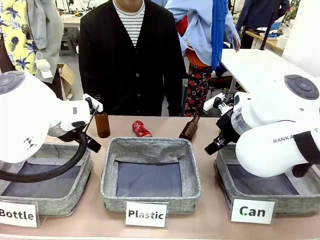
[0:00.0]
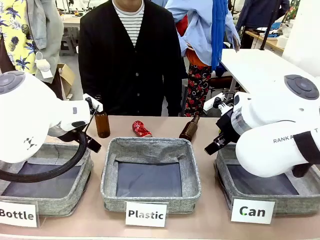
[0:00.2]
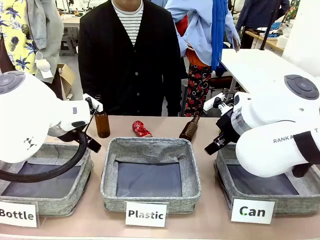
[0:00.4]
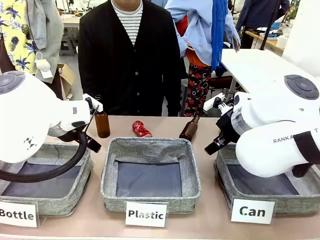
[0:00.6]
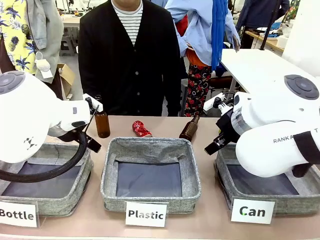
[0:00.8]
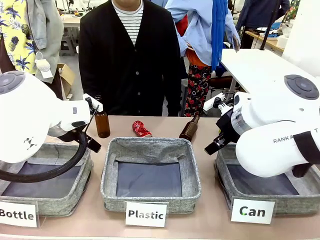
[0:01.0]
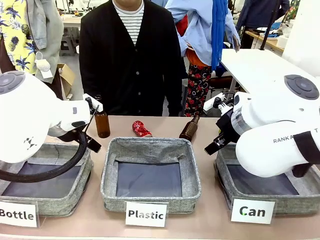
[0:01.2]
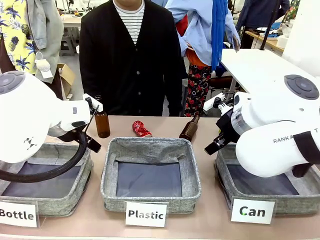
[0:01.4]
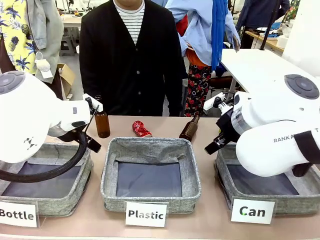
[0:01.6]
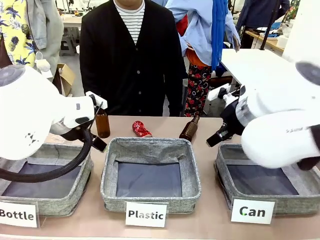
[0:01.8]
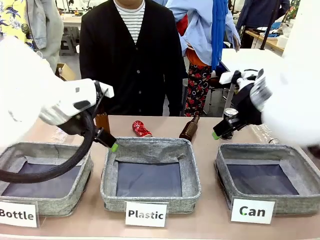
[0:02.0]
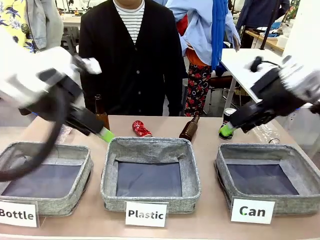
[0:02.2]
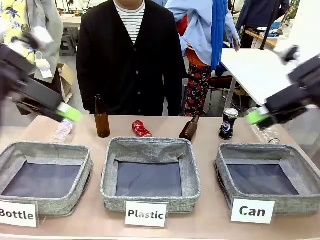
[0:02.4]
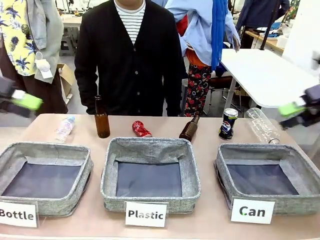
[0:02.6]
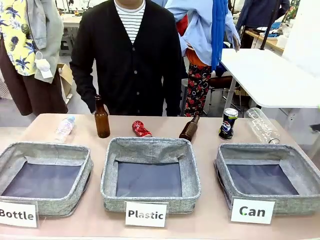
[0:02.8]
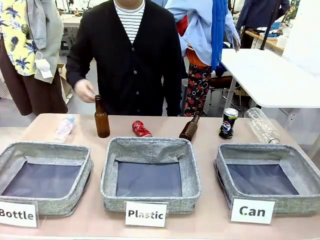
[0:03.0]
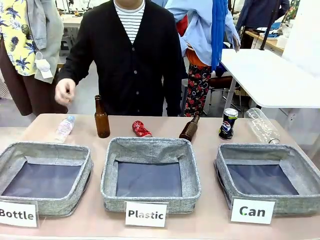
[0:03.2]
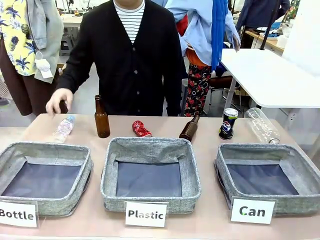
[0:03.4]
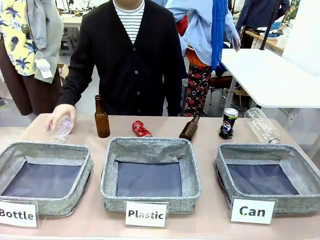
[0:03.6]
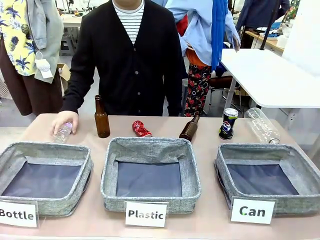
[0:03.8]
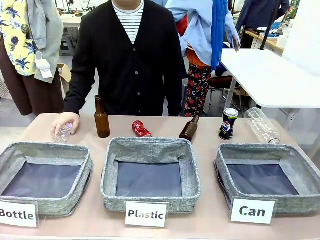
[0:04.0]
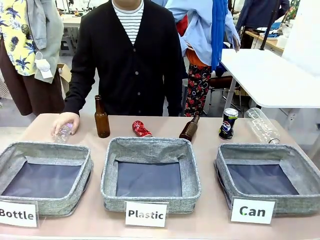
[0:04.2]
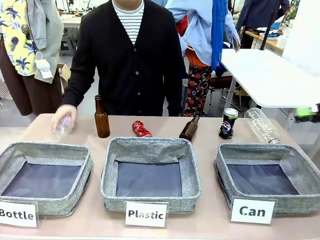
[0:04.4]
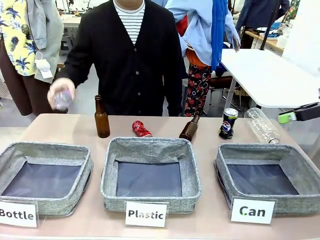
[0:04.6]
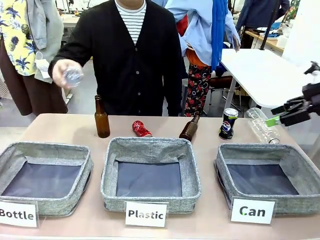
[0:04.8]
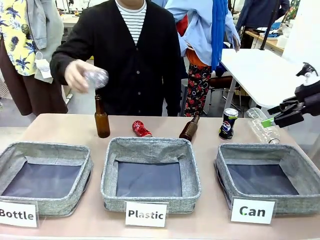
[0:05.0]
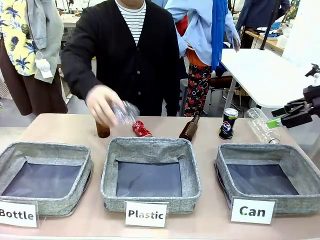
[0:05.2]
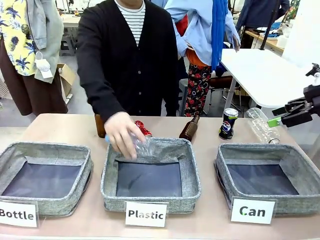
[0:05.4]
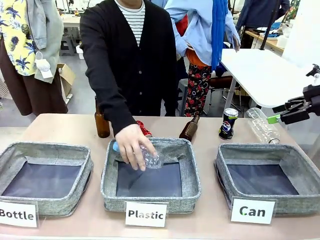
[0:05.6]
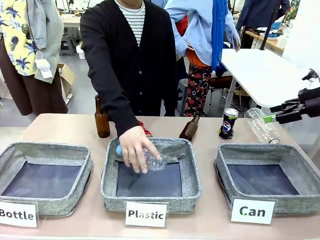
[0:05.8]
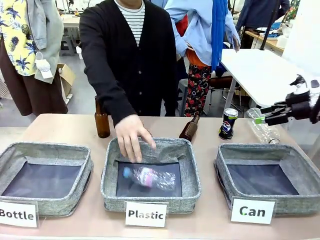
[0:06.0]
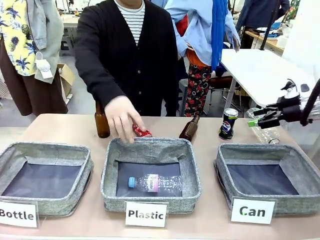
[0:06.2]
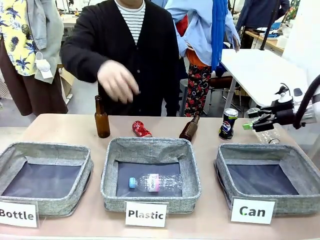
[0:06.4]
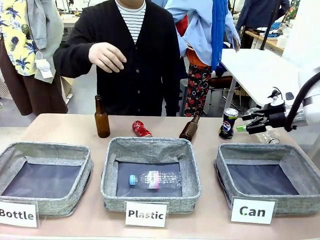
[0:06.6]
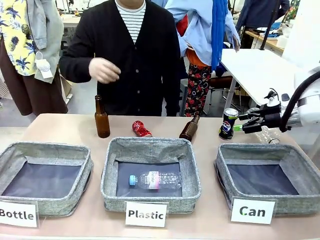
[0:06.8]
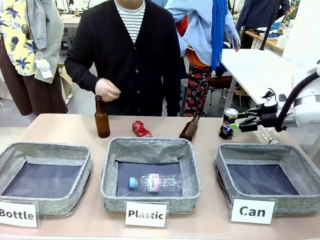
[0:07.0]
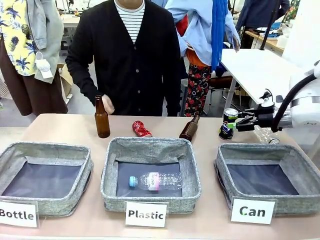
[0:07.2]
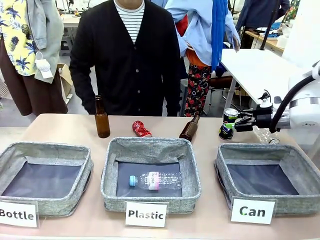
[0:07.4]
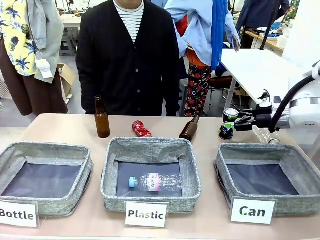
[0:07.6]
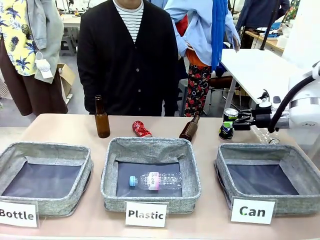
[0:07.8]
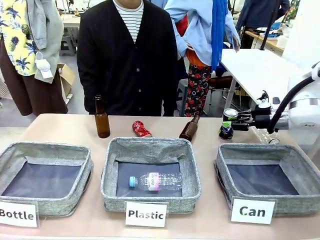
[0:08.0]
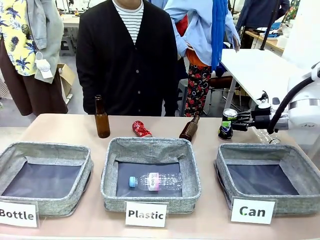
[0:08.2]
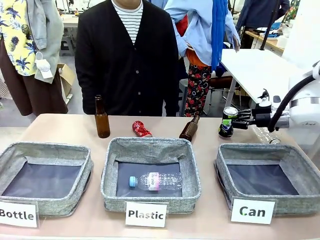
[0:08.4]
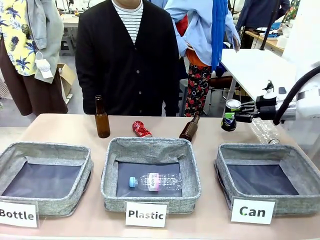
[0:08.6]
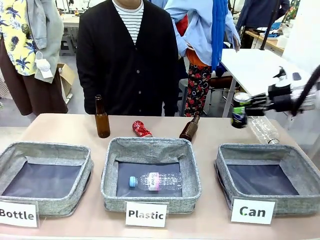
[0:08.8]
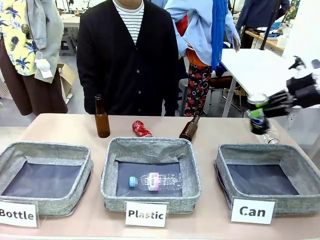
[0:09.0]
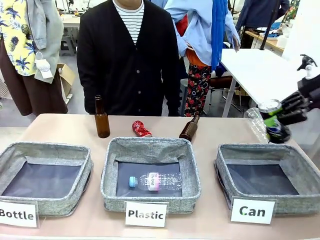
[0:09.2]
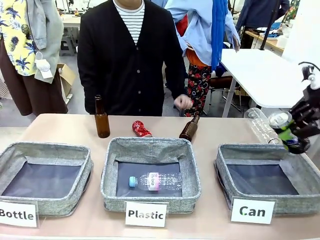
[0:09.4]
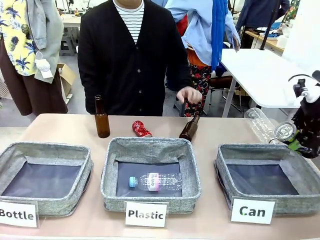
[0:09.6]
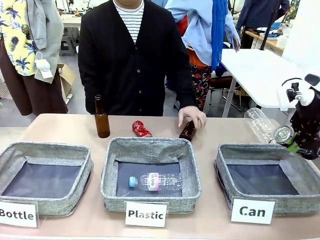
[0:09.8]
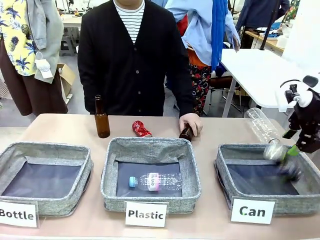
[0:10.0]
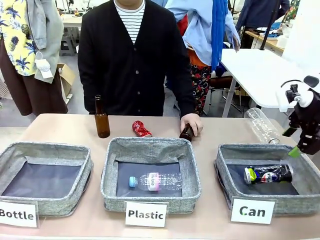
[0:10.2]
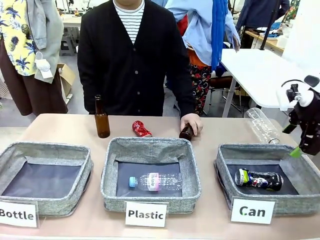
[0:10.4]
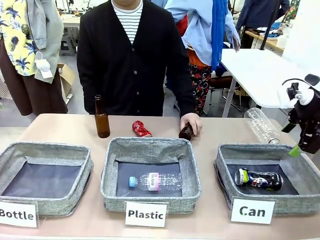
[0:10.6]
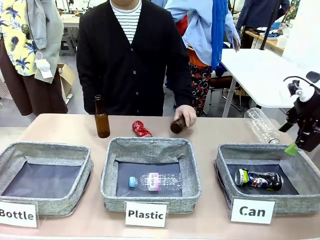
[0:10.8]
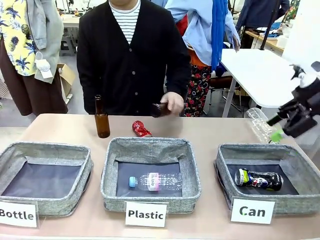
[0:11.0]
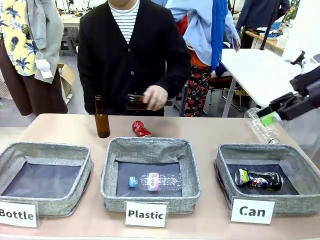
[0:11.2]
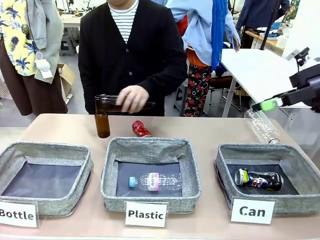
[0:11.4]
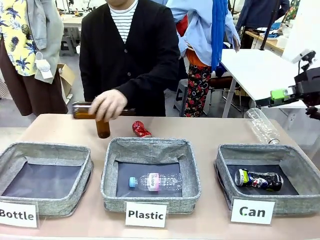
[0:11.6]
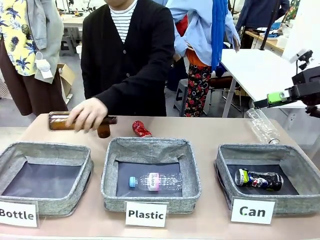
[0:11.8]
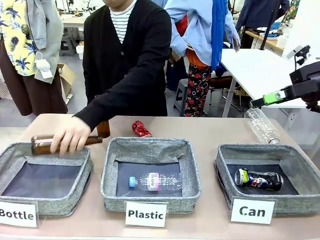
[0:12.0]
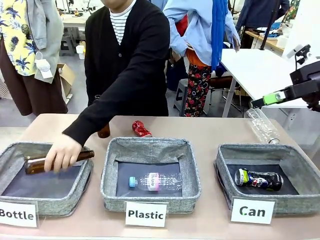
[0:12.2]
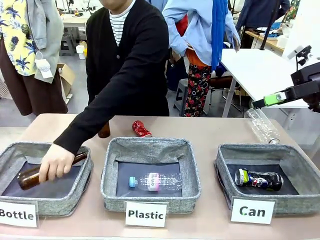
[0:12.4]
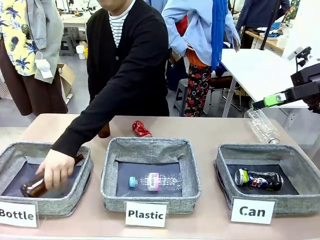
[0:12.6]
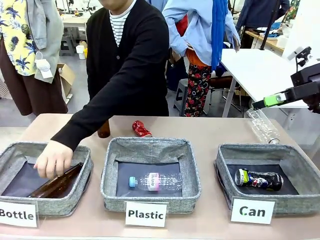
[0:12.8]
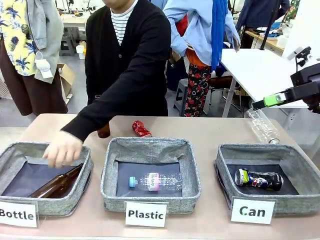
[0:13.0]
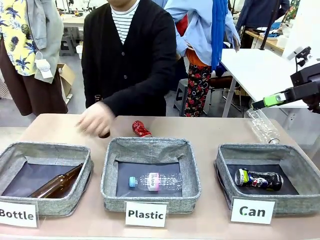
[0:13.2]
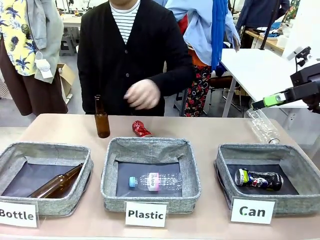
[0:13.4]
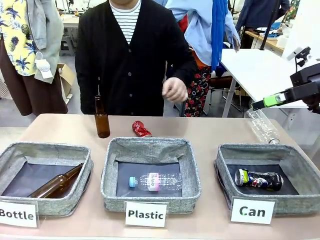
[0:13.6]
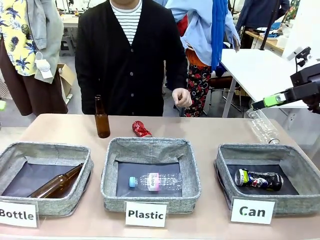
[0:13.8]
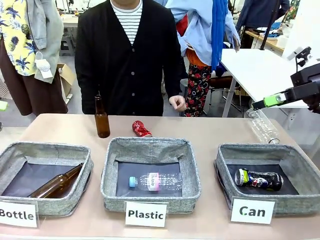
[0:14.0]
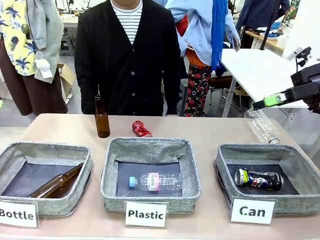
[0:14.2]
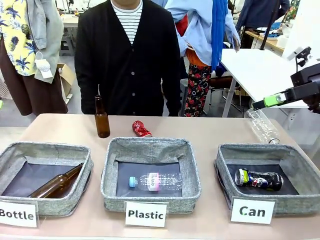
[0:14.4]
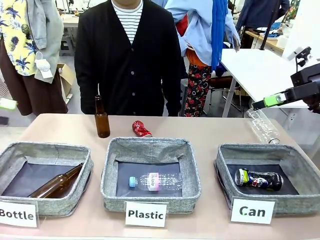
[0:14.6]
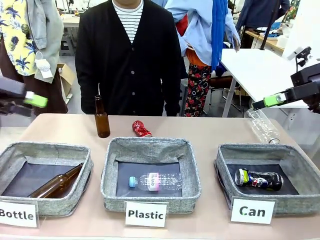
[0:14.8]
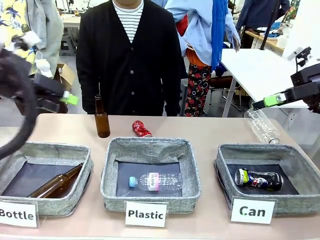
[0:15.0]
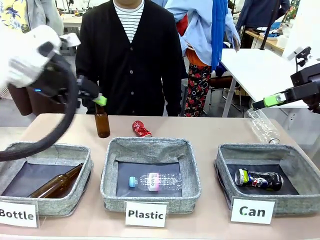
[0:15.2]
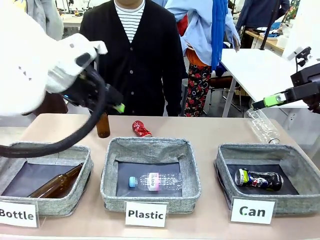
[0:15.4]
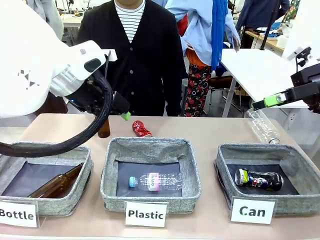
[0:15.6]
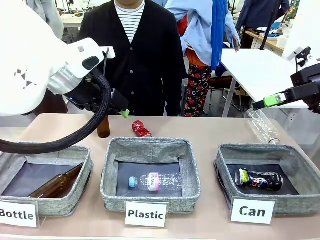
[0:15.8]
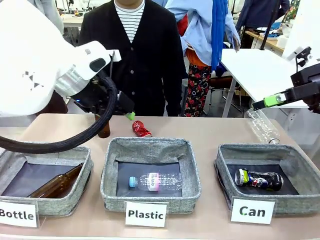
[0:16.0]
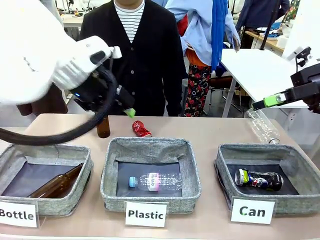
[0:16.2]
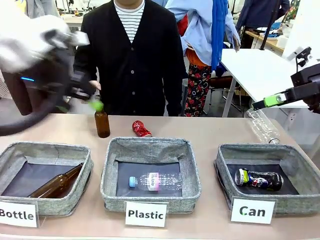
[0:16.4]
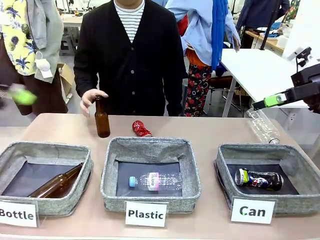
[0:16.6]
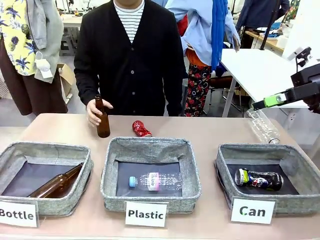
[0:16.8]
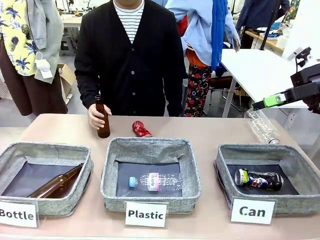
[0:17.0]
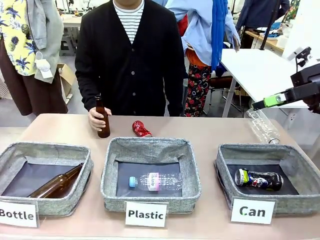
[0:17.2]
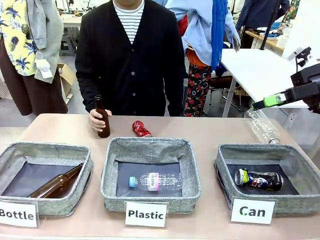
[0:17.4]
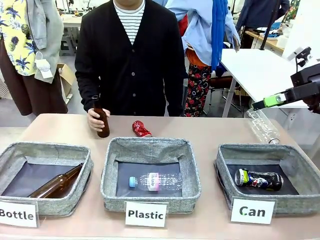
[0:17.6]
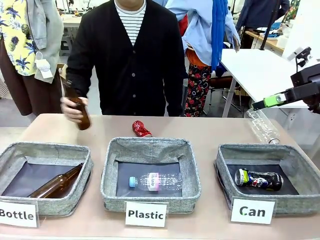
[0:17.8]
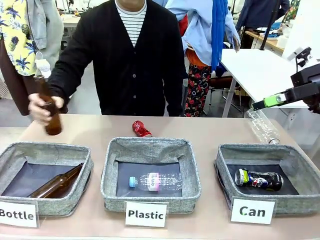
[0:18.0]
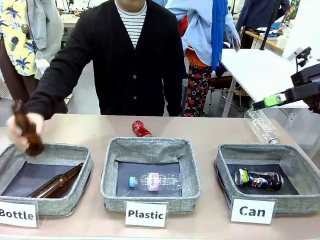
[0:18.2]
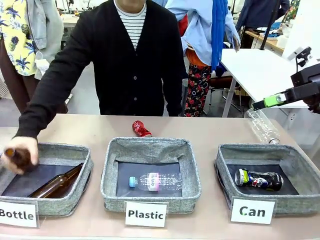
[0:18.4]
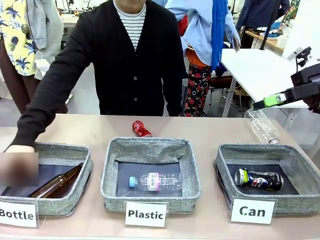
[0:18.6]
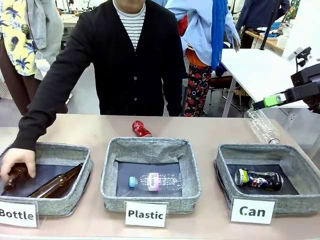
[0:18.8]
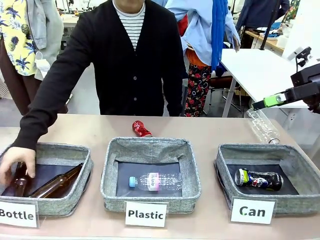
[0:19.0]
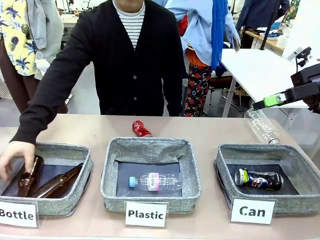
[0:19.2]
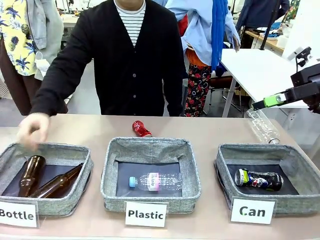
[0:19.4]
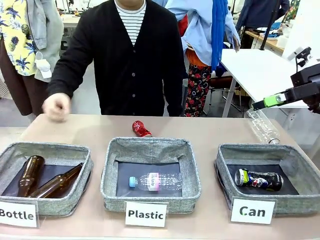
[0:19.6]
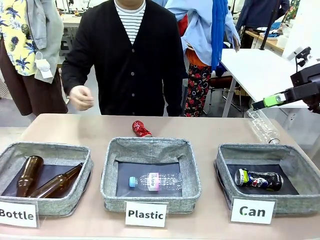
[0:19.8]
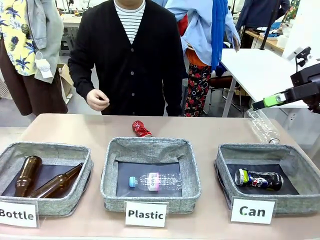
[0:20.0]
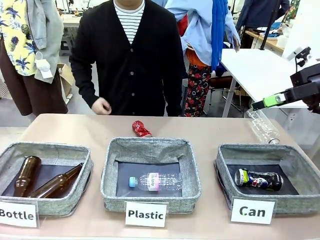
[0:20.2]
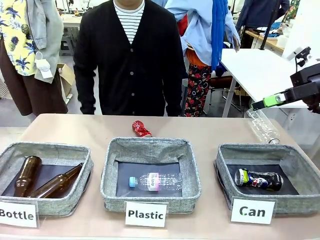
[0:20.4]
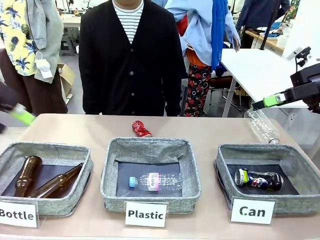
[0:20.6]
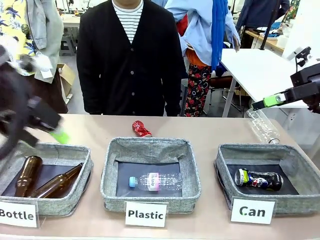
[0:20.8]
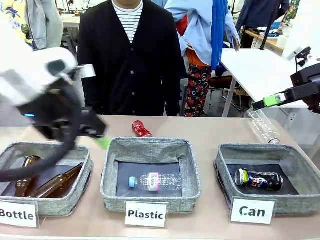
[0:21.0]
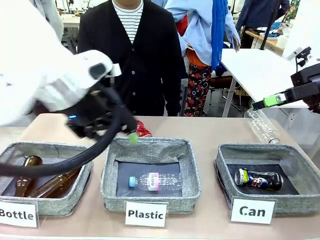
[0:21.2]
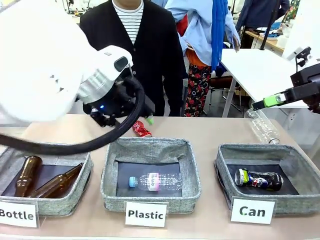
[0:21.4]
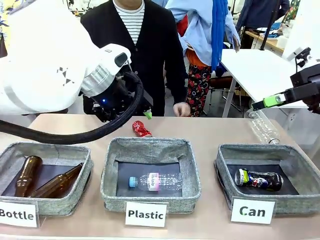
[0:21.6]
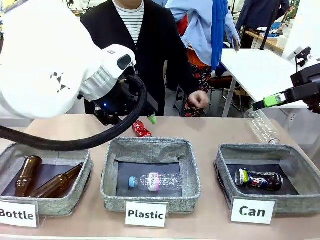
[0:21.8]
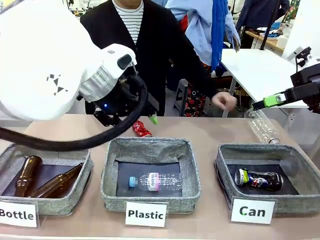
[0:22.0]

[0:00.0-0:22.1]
Task: Sort the can waste into the basket.
Robot: Pick up the can waste from the table and place it in the right Fabric basket.
